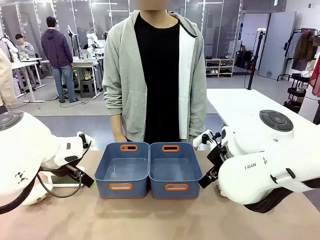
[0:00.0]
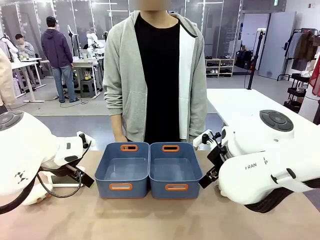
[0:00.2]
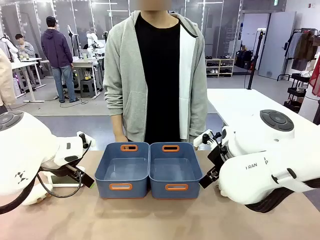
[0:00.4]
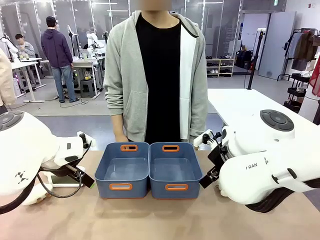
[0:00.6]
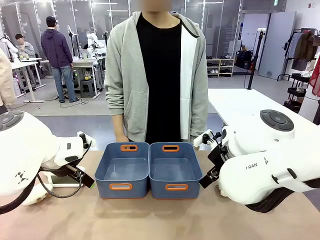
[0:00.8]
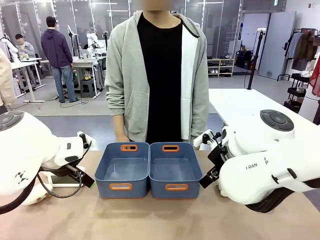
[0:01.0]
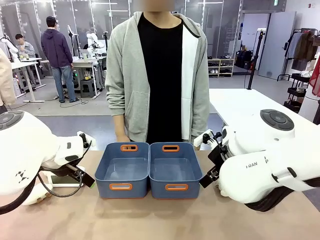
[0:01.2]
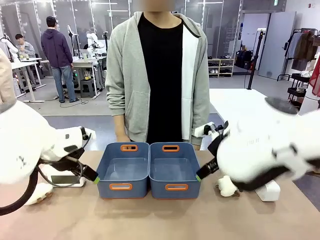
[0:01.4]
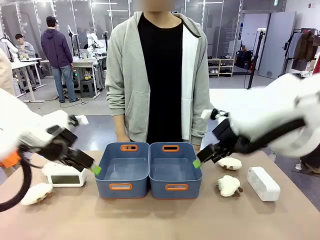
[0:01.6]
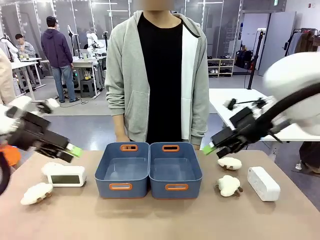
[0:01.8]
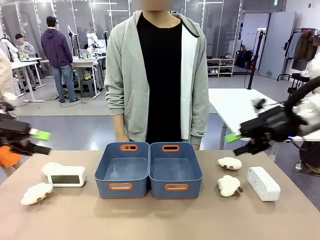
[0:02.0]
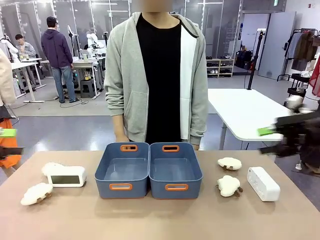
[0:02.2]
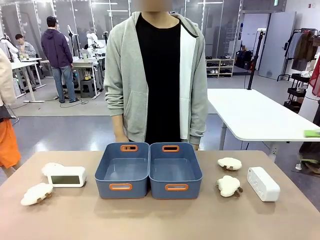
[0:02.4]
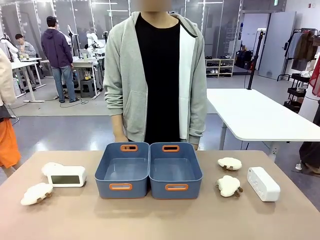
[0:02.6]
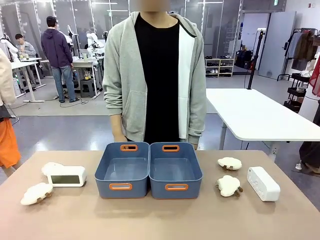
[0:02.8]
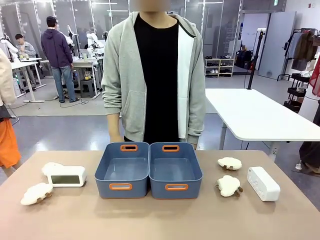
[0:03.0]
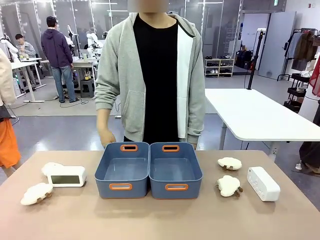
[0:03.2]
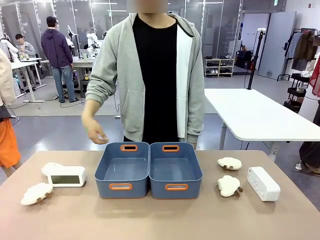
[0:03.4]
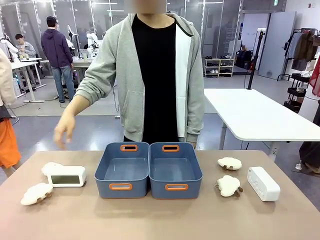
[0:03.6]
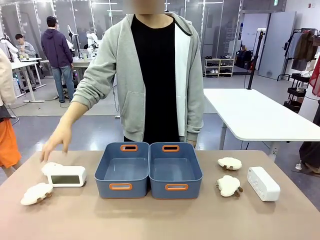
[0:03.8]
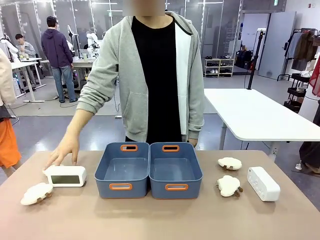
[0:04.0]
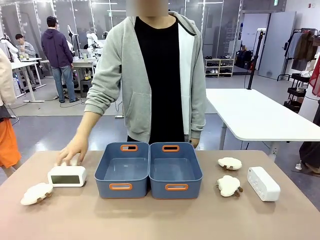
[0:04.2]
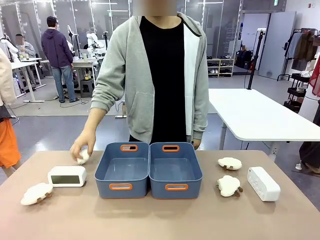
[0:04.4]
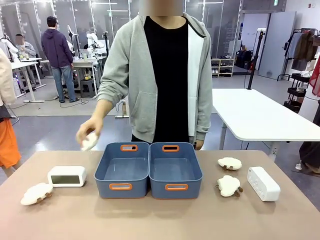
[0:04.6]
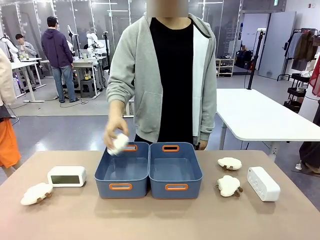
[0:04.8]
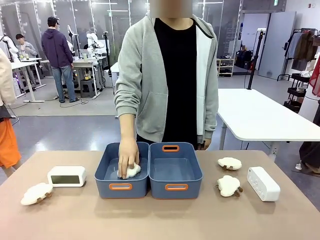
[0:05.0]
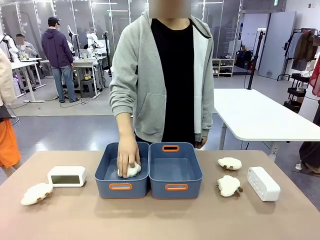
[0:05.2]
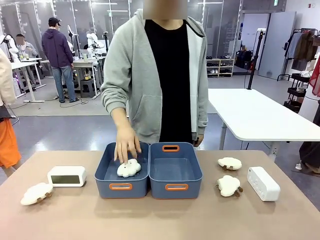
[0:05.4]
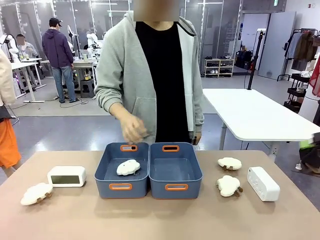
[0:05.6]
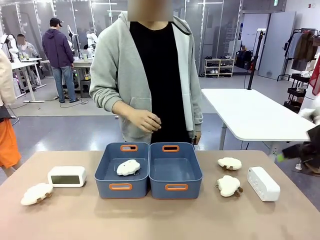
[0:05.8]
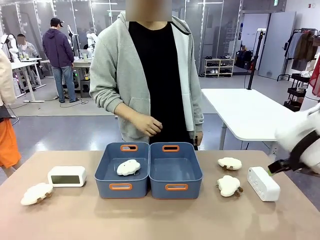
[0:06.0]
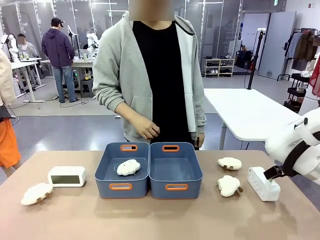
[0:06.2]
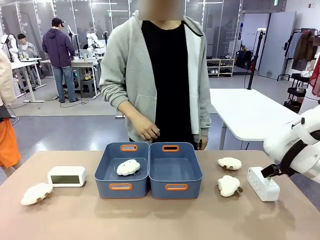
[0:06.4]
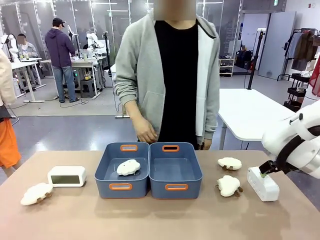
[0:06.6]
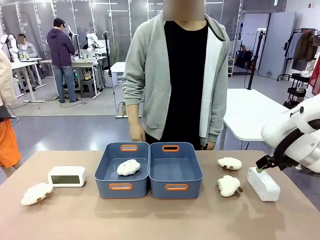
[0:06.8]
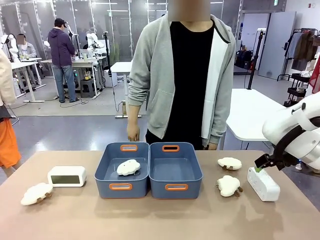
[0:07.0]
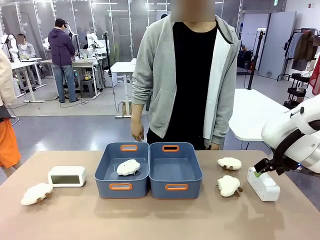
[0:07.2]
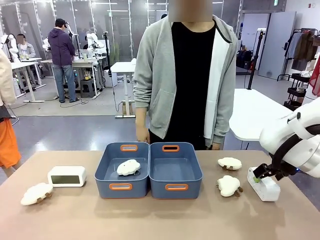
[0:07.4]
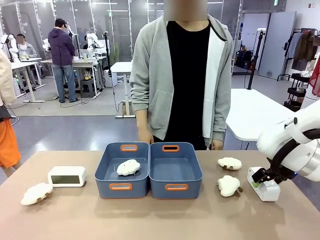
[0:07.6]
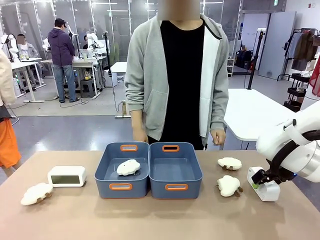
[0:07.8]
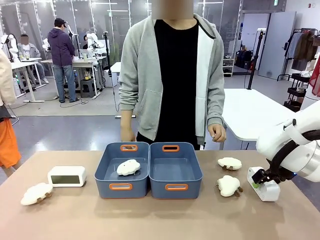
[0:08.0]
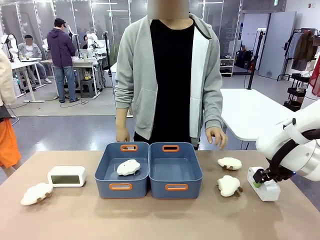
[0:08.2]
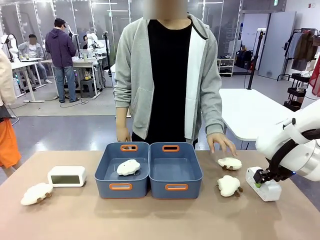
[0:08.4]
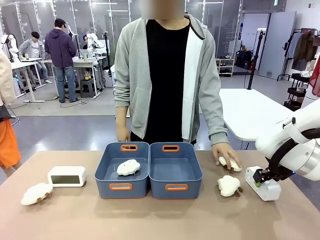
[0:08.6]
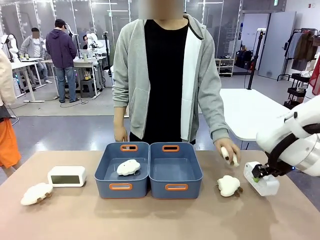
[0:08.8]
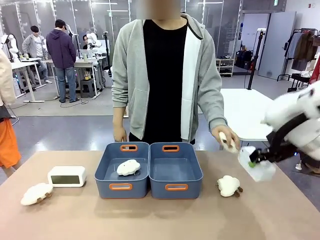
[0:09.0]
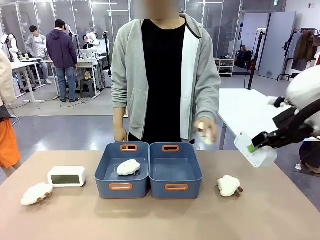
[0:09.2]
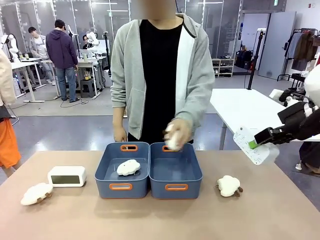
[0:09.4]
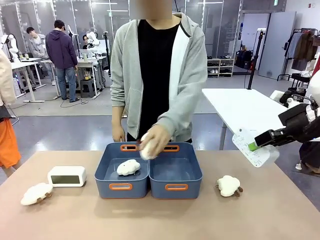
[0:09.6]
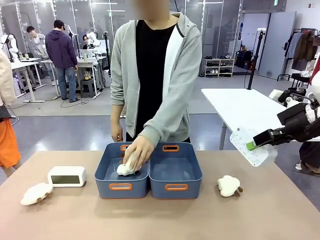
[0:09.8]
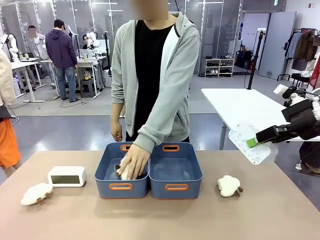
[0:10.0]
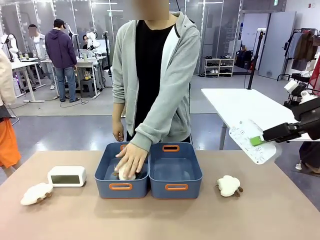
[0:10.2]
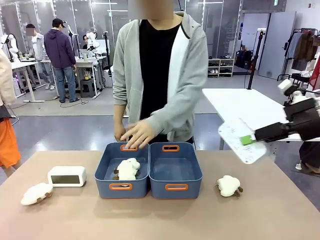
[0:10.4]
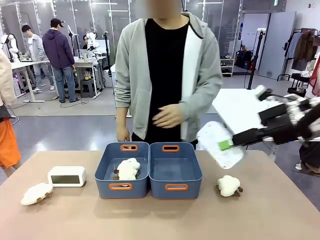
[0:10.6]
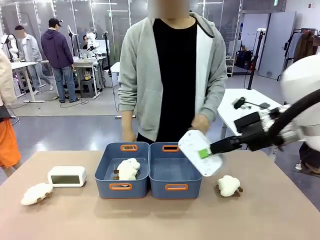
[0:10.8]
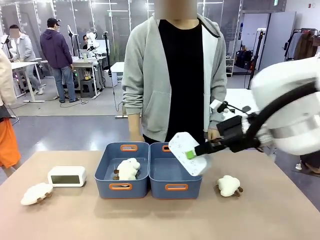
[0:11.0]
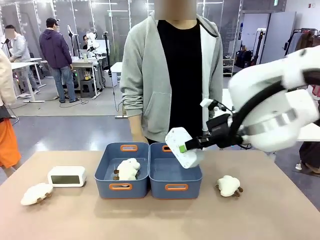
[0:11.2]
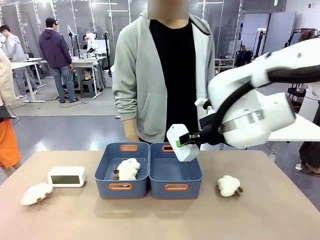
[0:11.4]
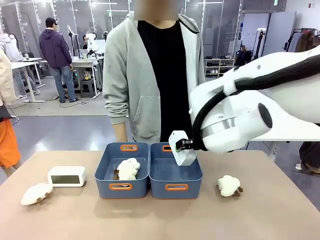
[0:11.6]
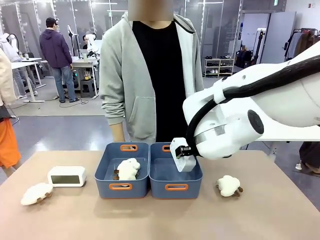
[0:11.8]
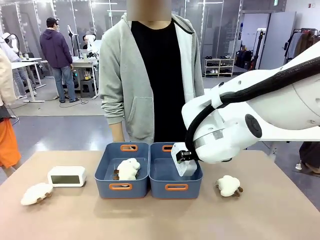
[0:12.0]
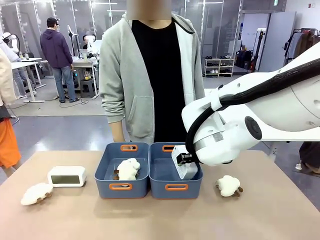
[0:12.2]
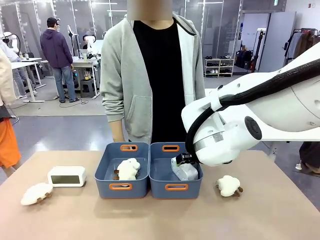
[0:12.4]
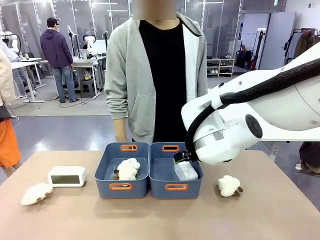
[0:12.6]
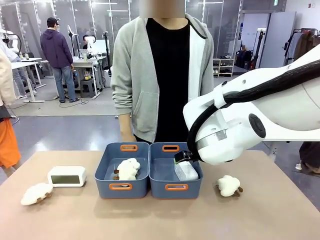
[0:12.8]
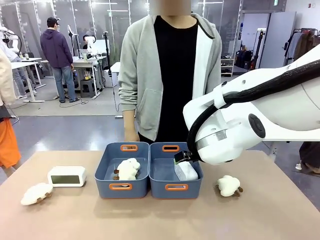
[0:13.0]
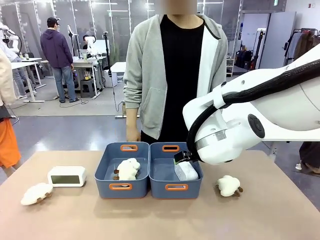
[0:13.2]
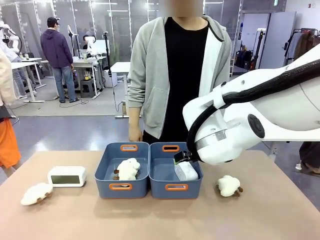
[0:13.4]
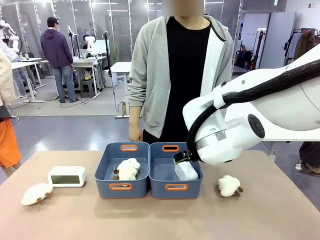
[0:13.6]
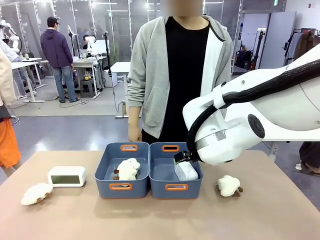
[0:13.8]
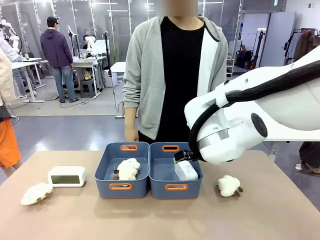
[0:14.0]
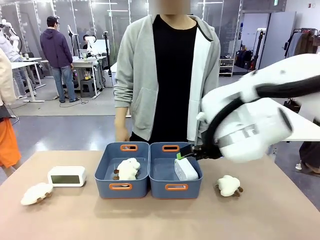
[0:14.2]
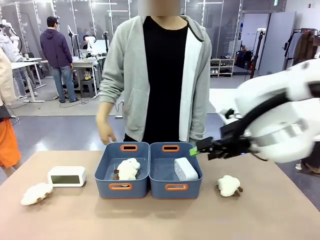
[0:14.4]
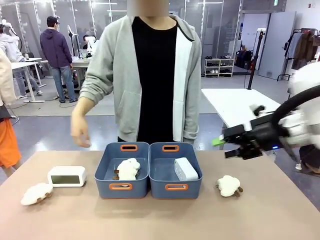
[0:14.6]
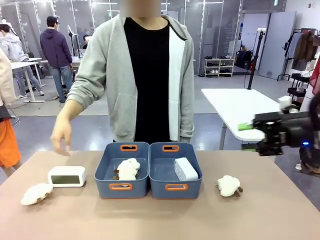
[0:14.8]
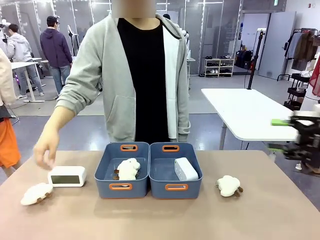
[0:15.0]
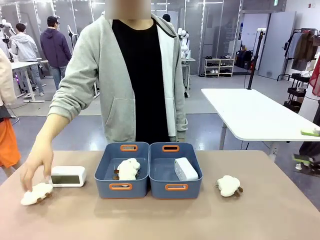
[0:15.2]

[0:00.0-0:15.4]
Task: Sort the digital clocks into the basket.
Robot: Pick up the Digital clock from the table and place it into the empty Plastic storage basket.
Person: Pick up a plush toy from the table and place it in a plastic storage basket.
